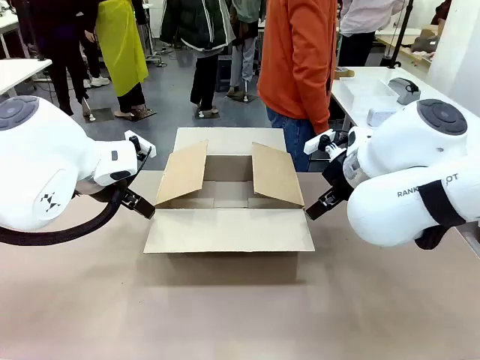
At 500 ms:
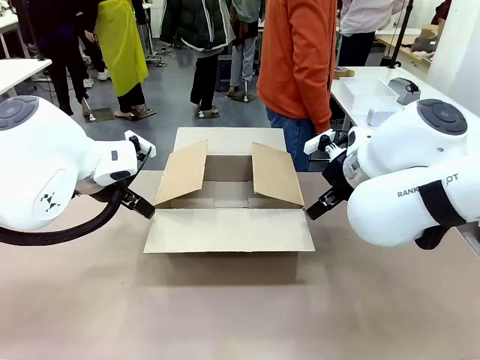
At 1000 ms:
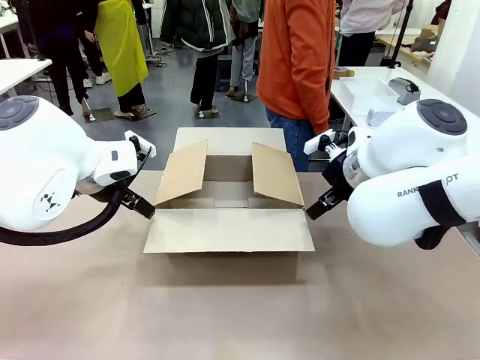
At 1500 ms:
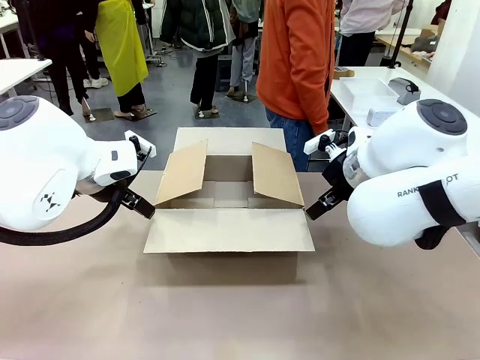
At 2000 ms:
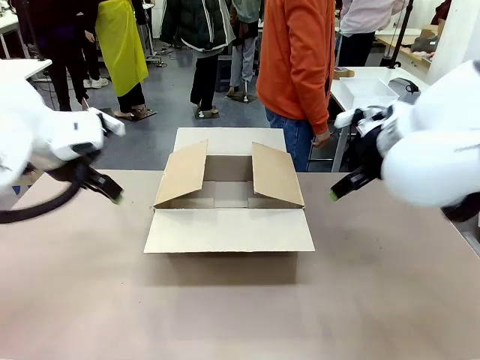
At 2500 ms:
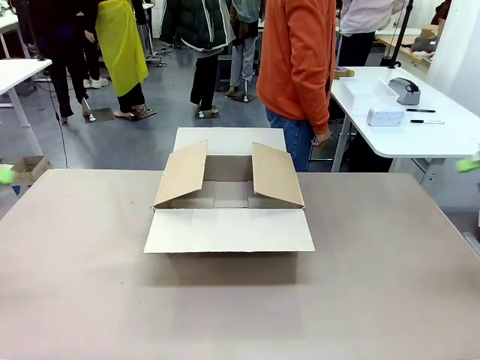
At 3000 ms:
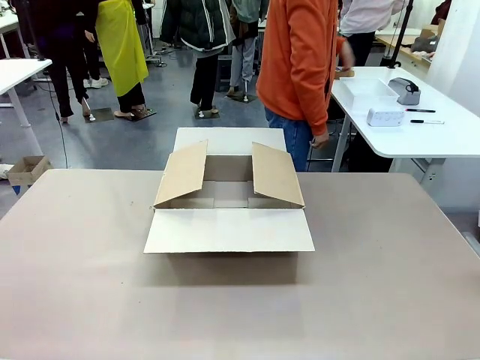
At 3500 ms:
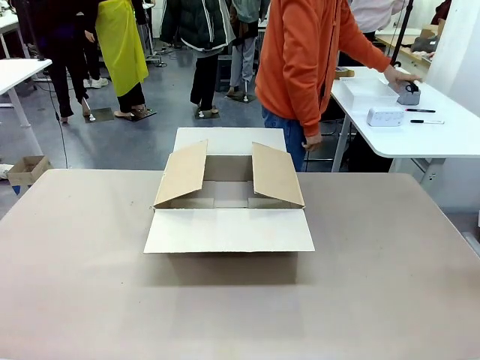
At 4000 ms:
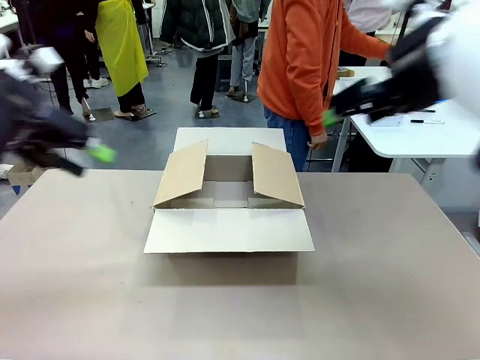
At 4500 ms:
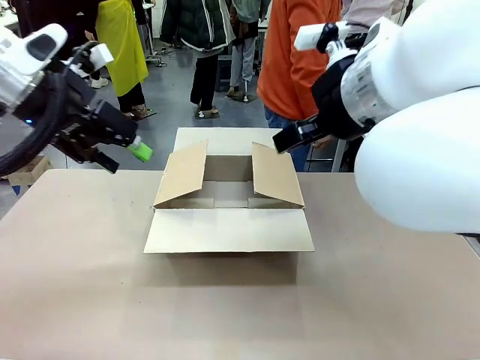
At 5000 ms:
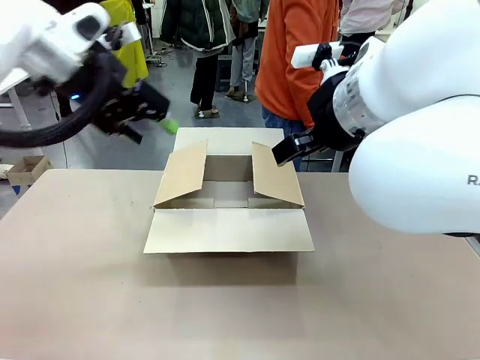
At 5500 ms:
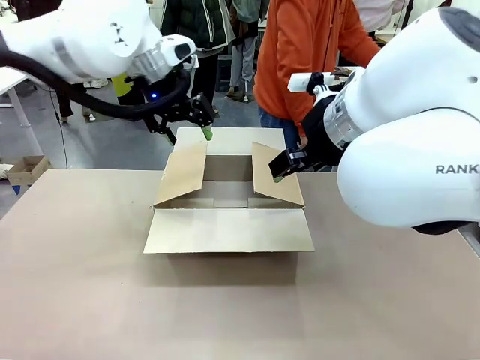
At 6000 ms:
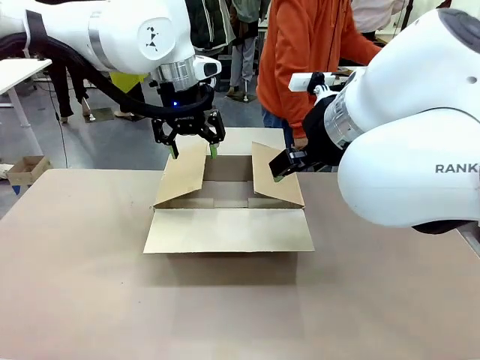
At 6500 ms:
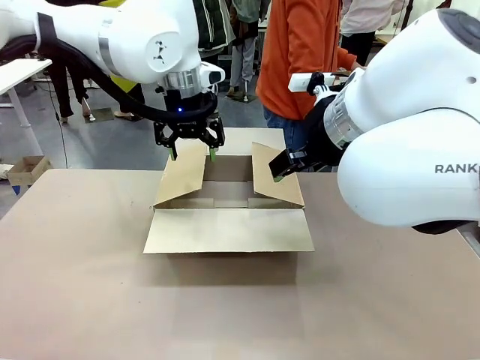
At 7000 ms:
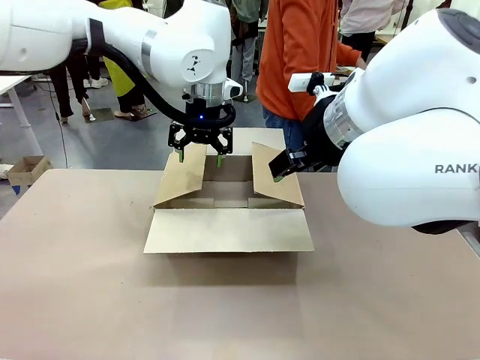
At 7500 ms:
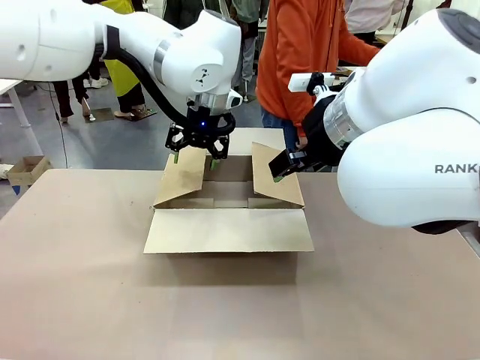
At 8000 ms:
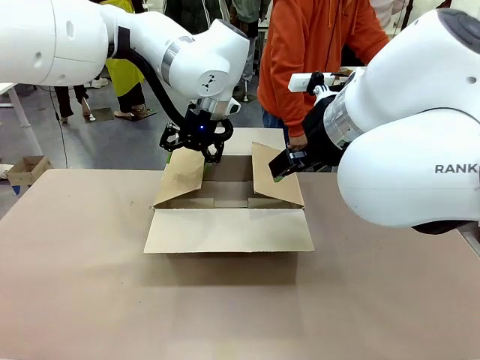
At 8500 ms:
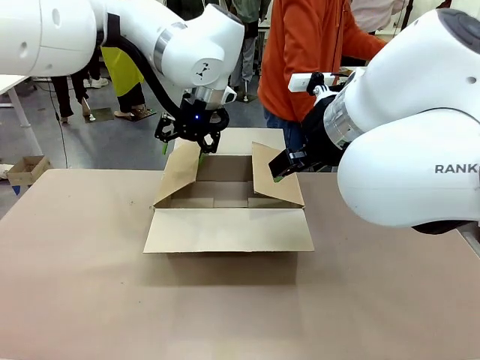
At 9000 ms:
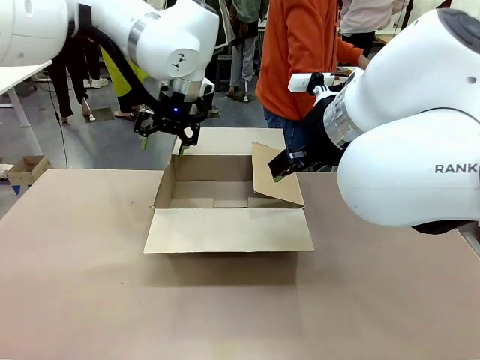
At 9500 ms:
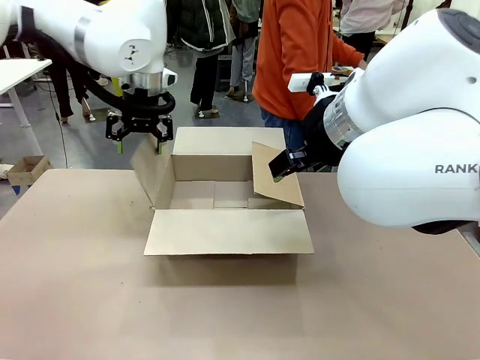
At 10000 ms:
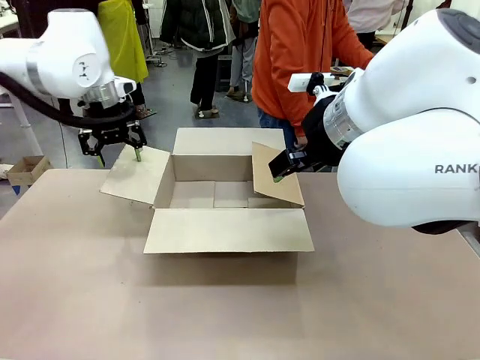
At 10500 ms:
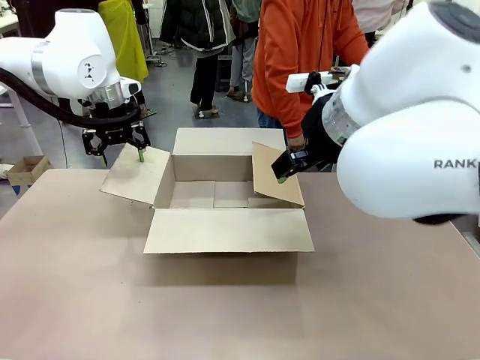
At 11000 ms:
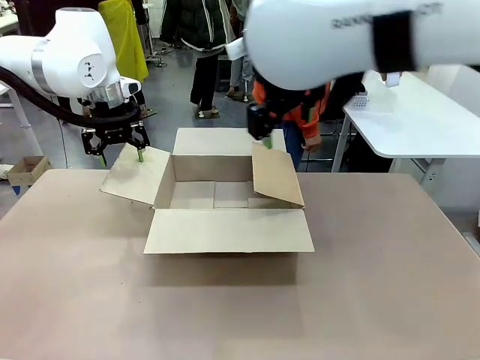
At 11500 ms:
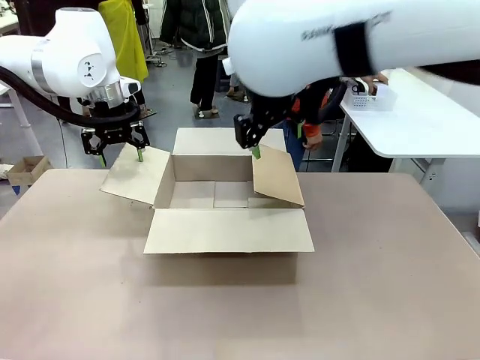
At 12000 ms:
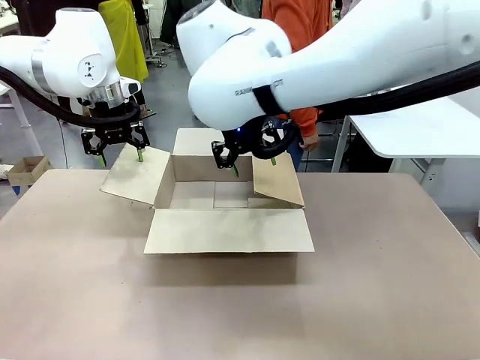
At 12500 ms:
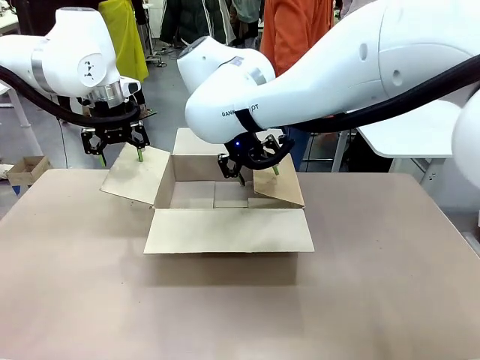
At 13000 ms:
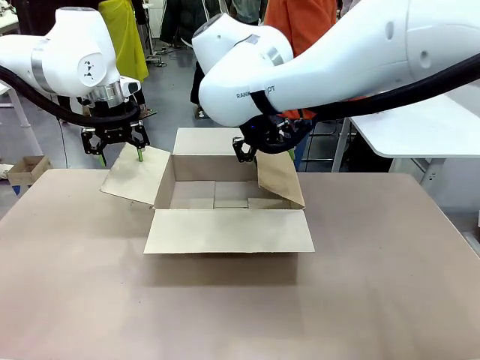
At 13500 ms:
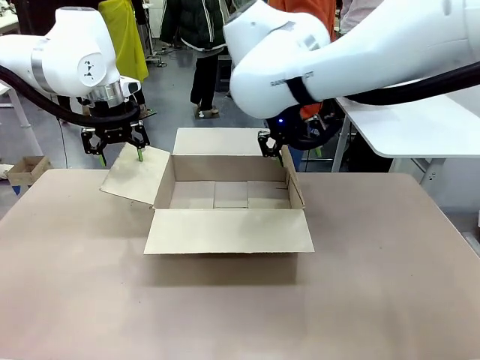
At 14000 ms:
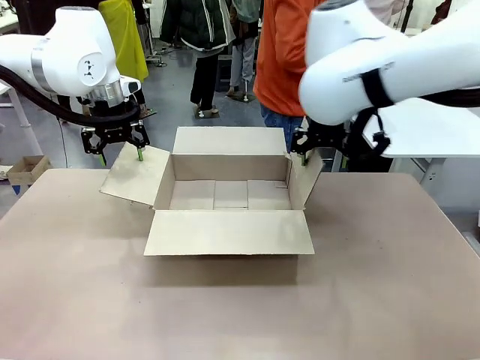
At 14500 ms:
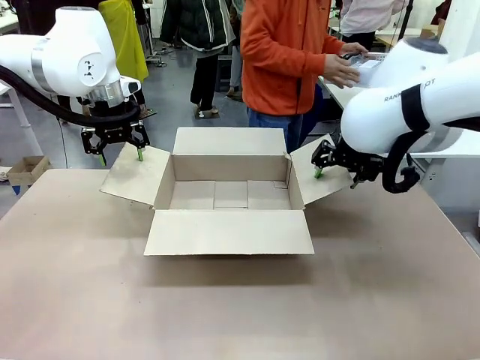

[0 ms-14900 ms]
Task: Pack the gift set into the box.
Robot: Place both hands on the side flaps of the Package Box and spread them outward.
Person: The human places all items except the paper tape into the organizing basket.

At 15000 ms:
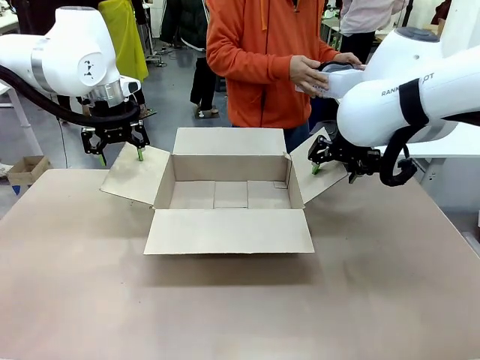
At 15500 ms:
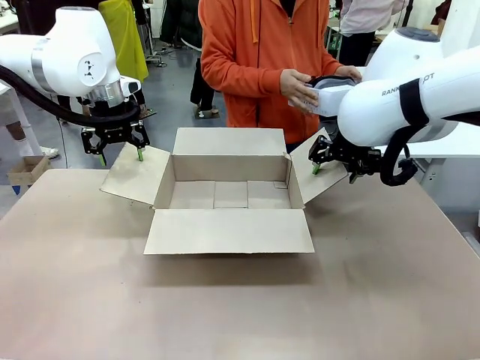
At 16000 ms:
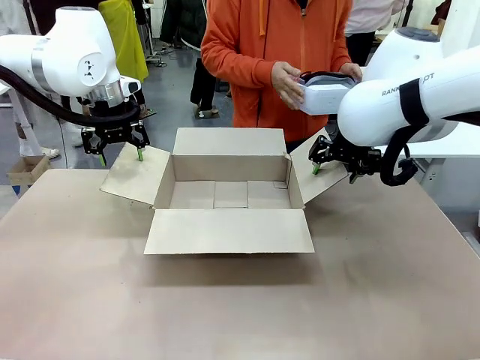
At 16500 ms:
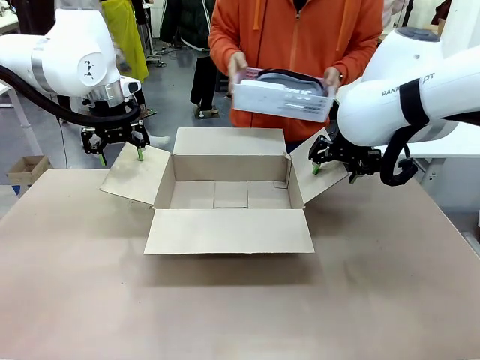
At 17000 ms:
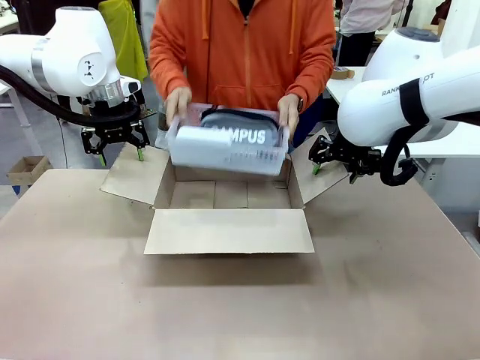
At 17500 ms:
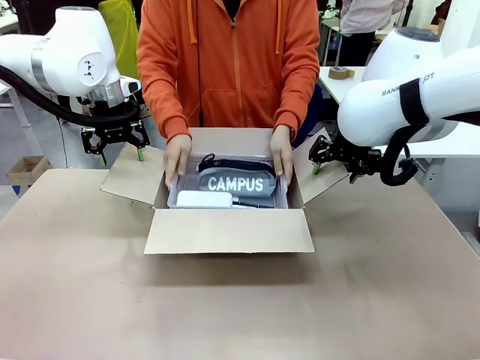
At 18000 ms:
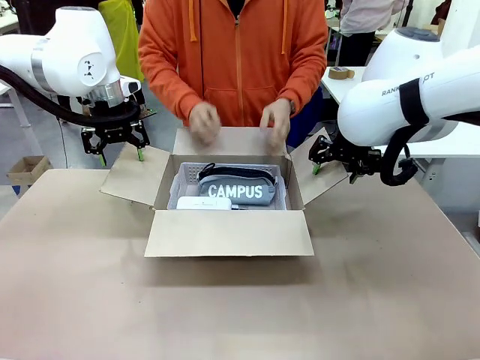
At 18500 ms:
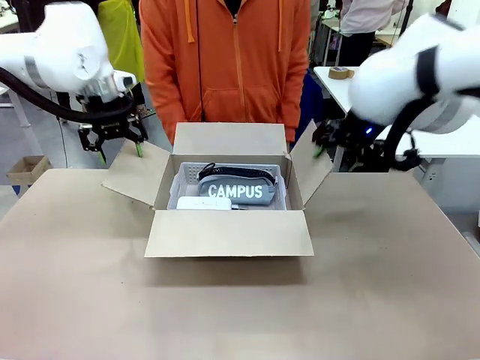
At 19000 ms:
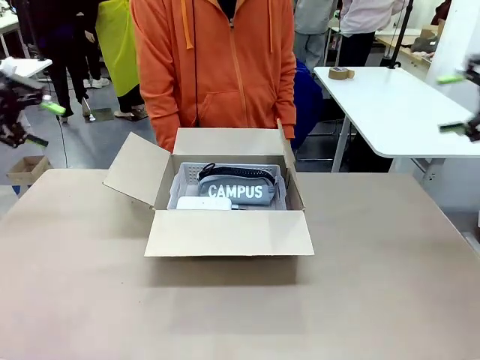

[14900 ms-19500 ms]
Robot: Lift both hands away from the flaps of the Package Box.
Person: The human picks up the organizing basket and places the organizing basket into the package box on the robot table.

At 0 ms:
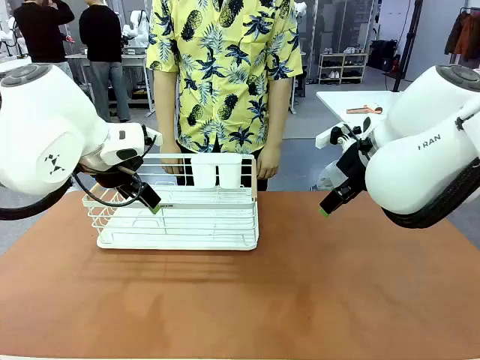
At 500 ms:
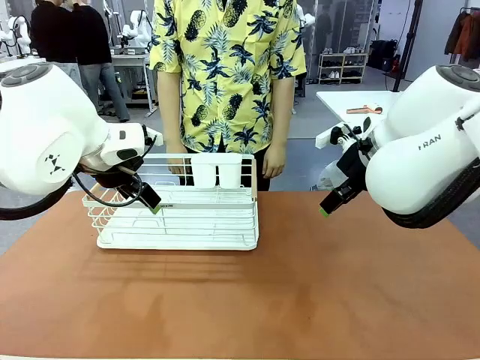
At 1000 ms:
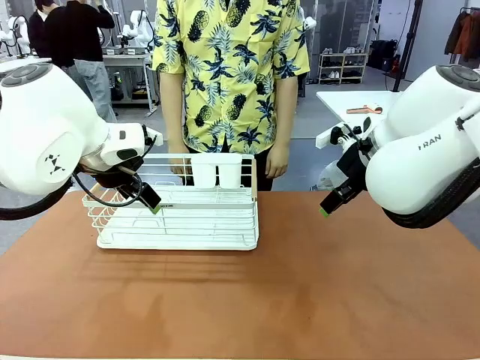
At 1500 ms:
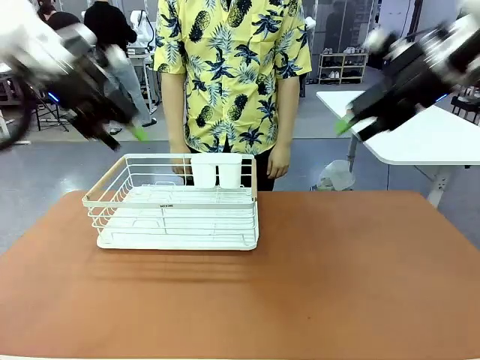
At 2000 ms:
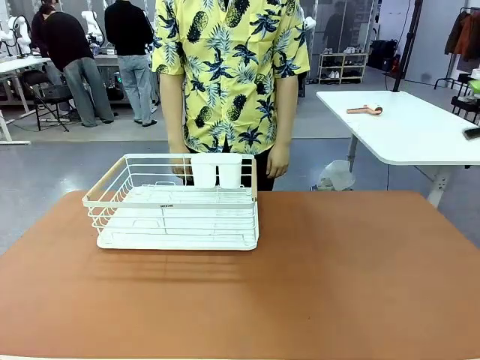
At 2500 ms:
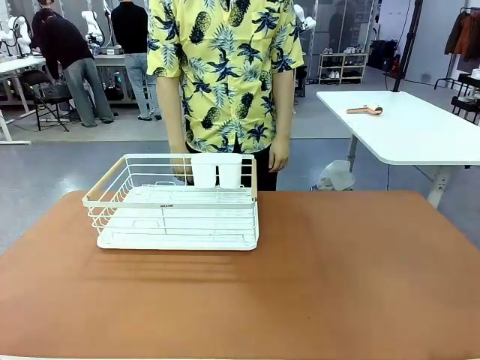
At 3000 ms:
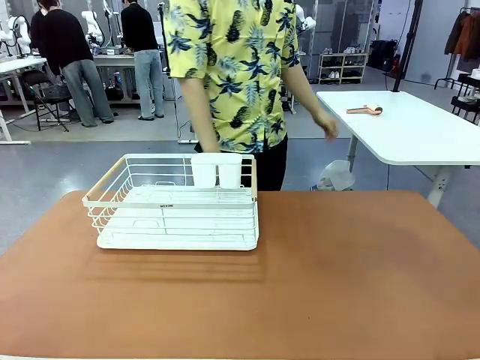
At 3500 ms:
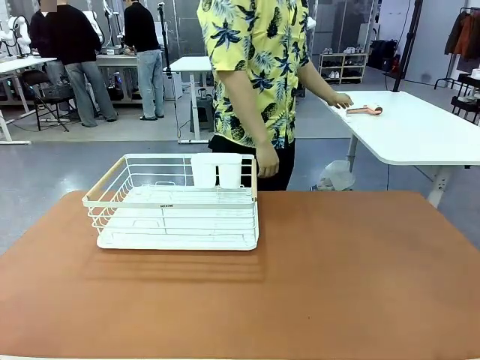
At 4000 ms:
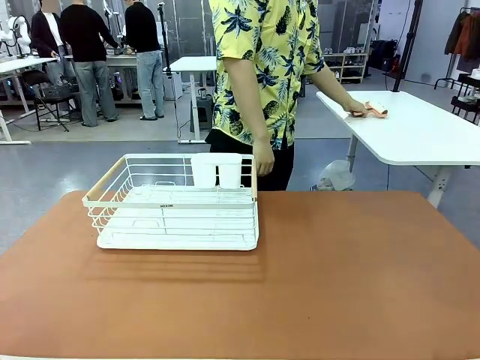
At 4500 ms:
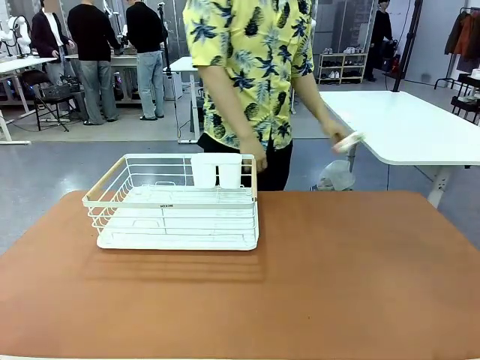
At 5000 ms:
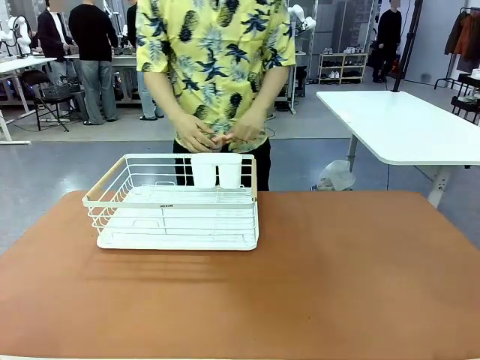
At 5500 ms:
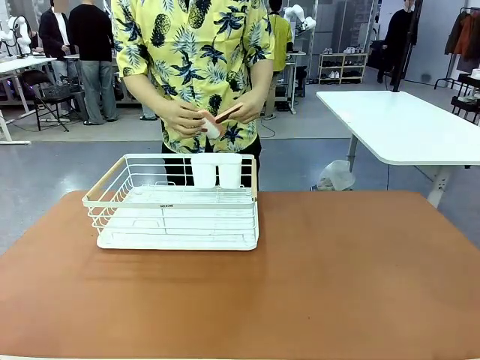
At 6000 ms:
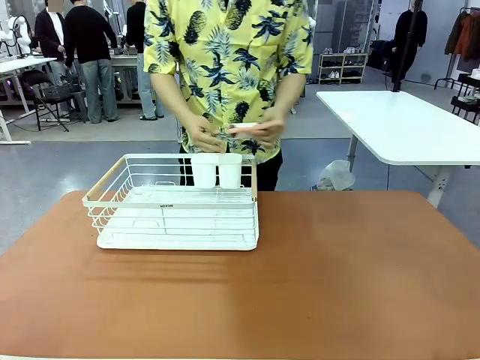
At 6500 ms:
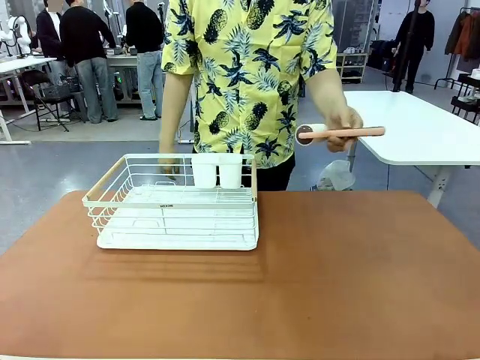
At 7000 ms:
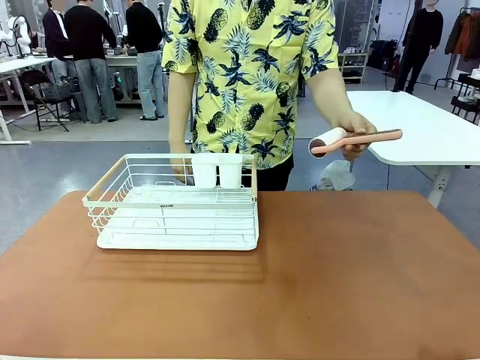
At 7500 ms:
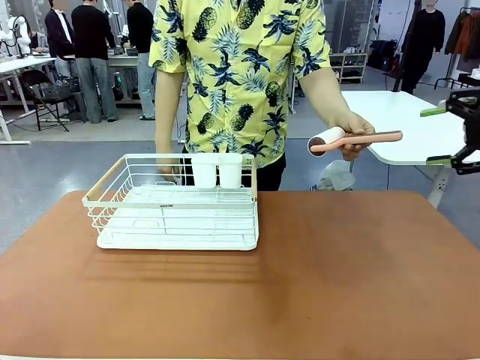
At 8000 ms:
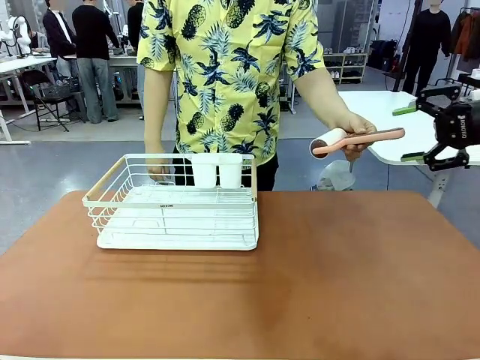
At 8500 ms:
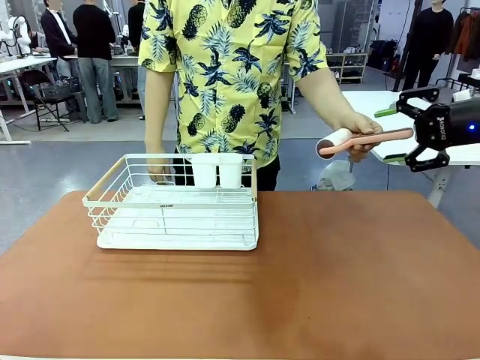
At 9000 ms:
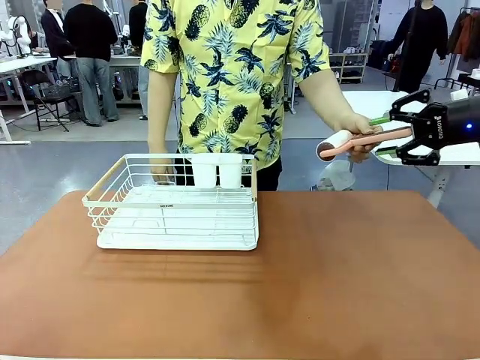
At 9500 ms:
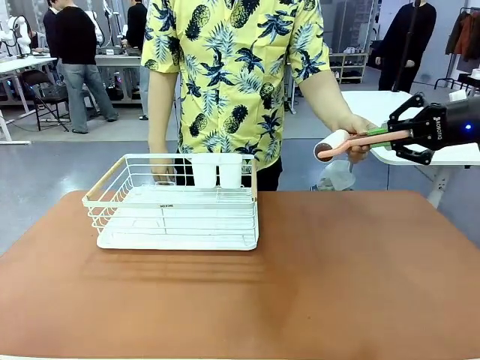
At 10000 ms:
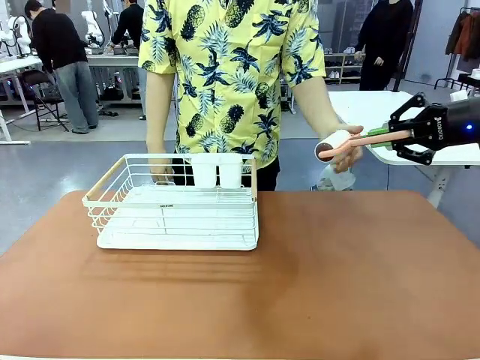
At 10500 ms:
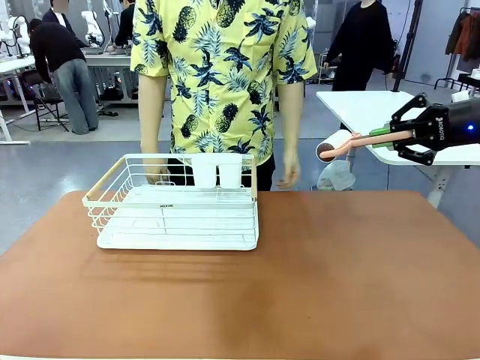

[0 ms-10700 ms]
Task: Clean the table.
Robot: Pick up the Lint Roller when the human hands it over.
Person: Hand the Lint Roller to the robot so it can easily pick it up. Lift the Dish drying rack.
